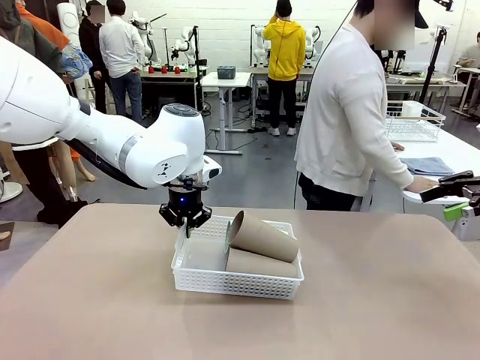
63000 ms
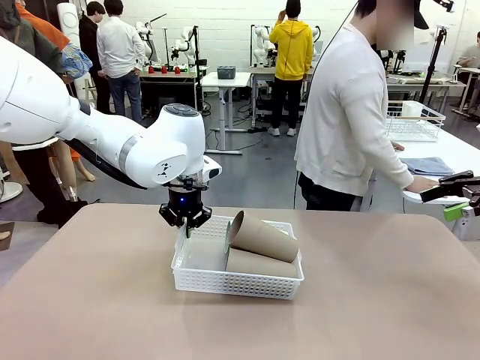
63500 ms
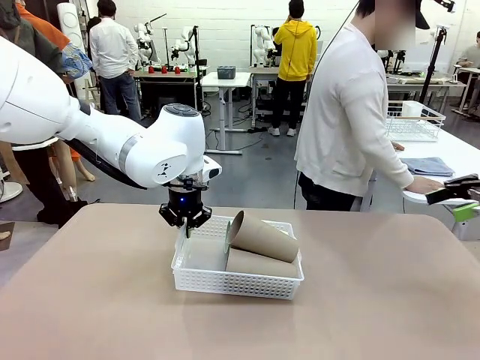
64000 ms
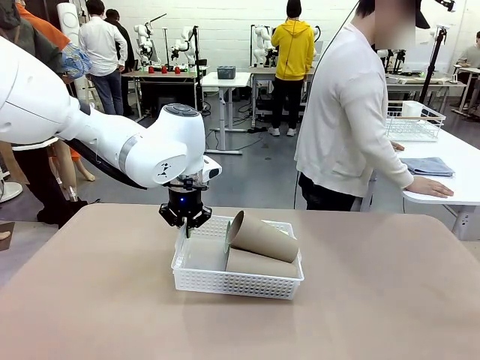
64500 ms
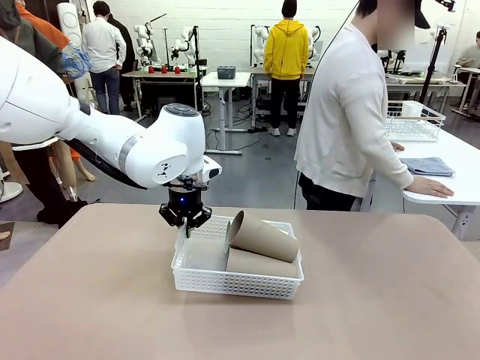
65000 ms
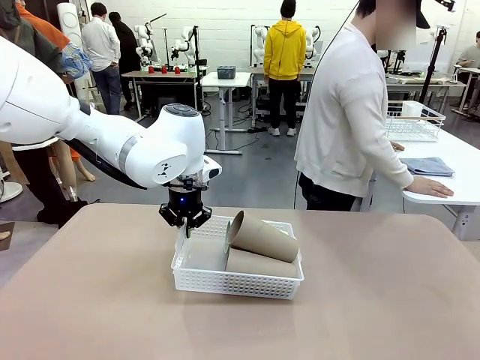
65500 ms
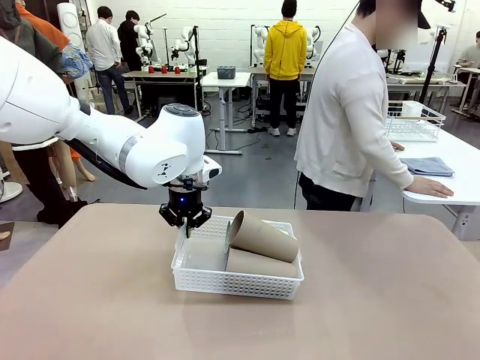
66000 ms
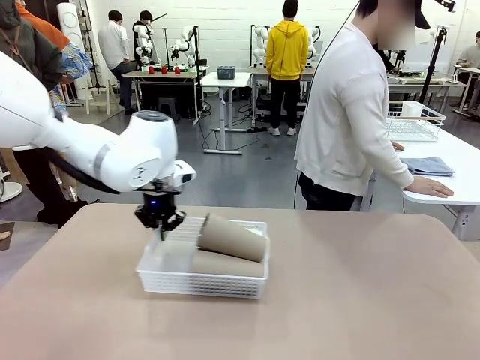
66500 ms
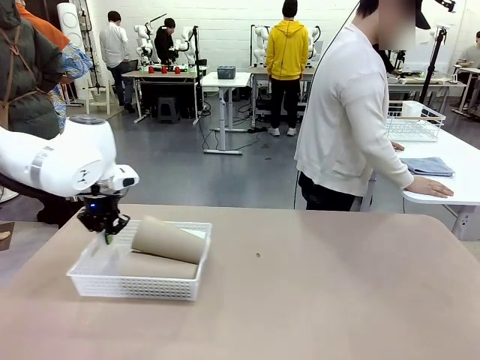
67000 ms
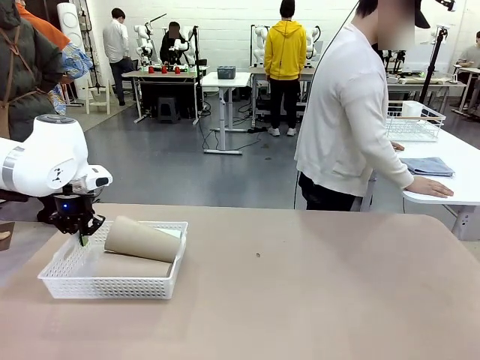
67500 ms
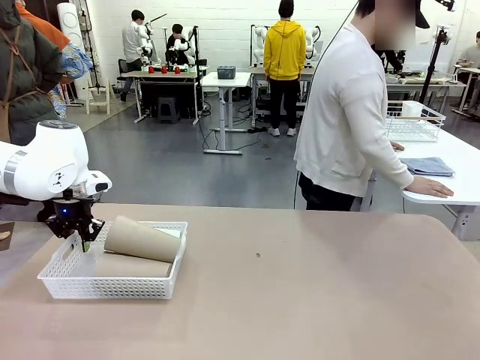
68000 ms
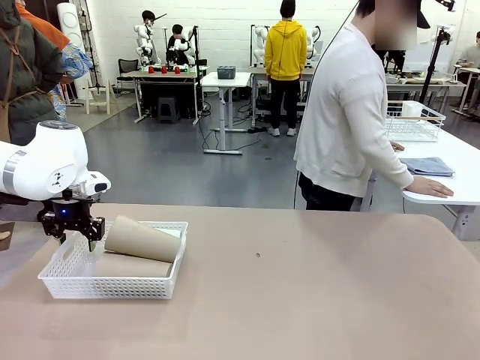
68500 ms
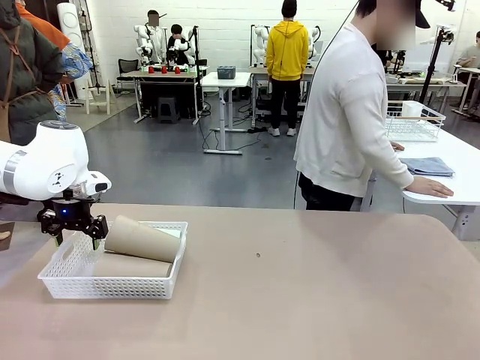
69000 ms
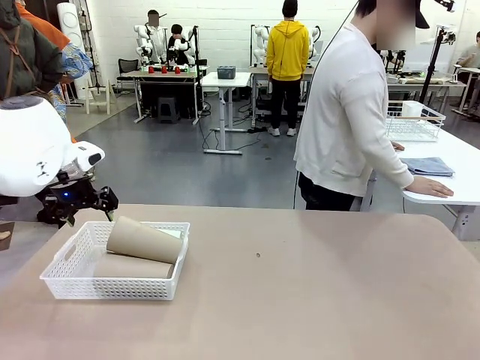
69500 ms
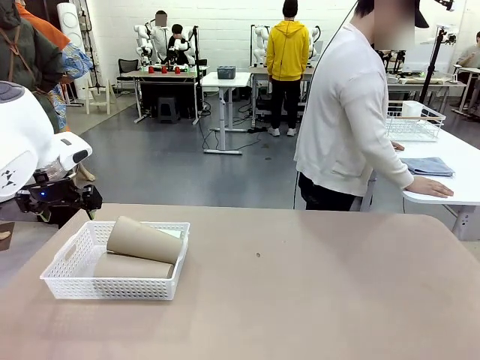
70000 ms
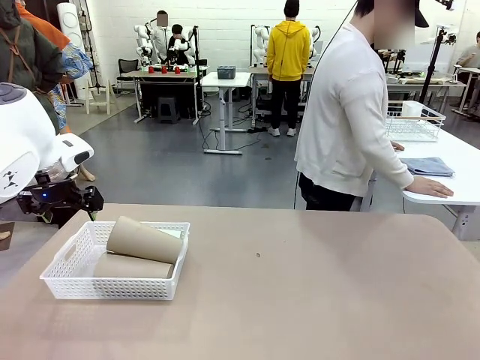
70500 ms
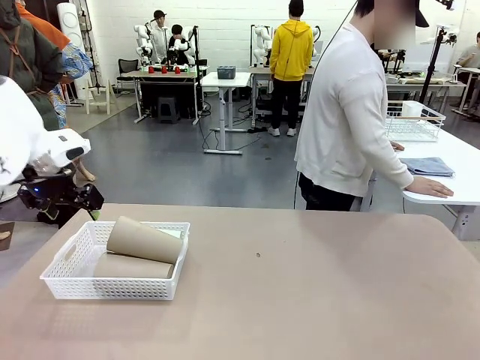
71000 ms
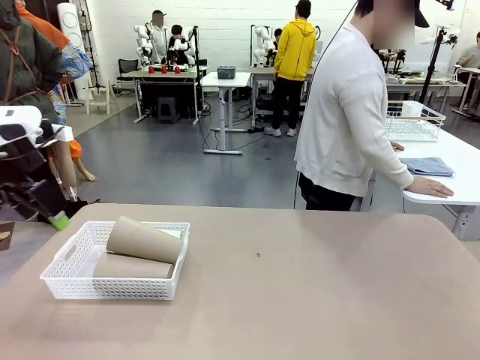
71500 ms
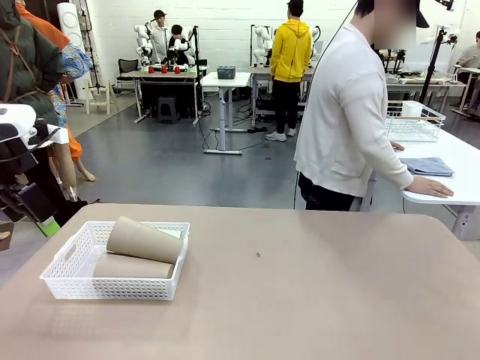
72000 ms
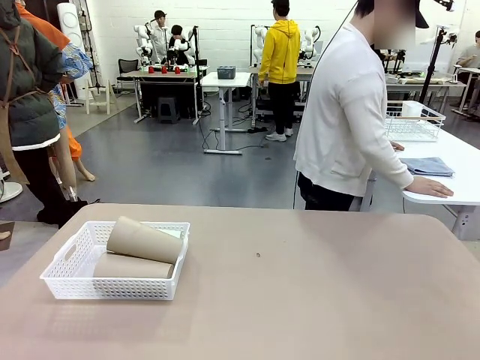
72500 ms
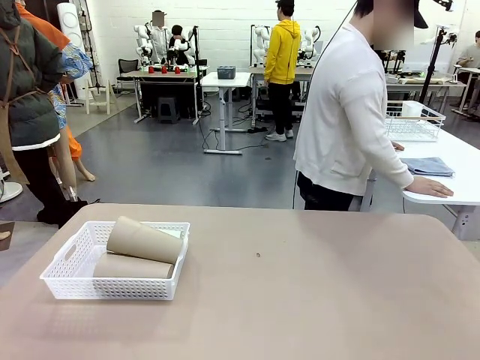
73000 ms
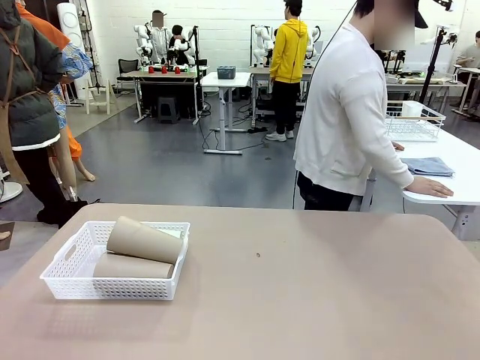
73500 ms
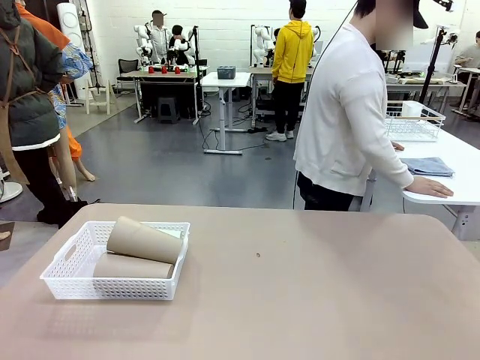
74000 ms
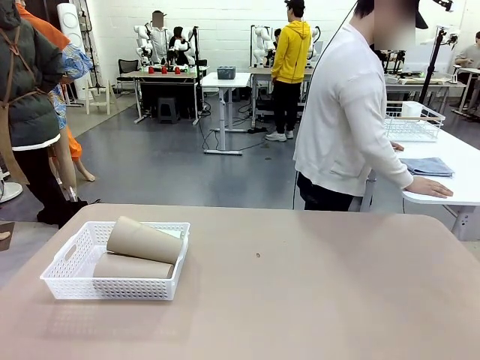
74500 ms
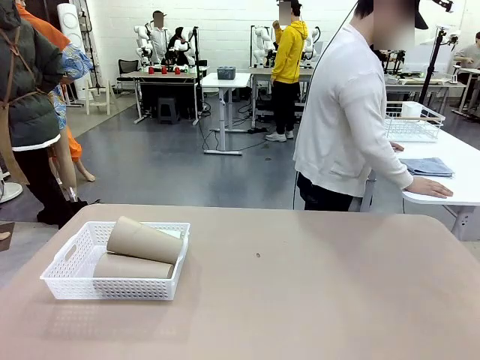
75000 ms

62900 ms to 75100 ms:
Task: Clean and organize the cups into the basket.
Robot: Move the Organizing basket back to the left side of the table.
Person: Folds the towel in half twice and places it in the right of the table.

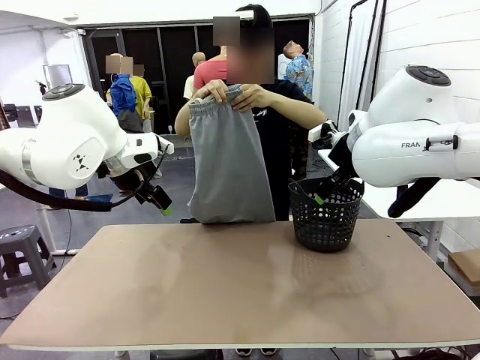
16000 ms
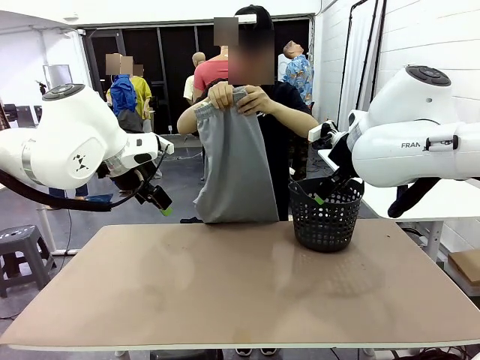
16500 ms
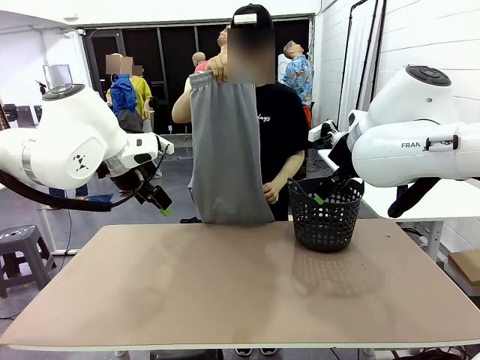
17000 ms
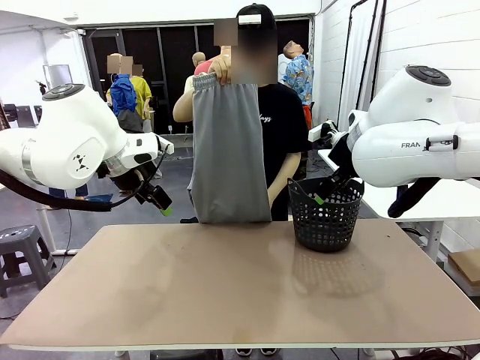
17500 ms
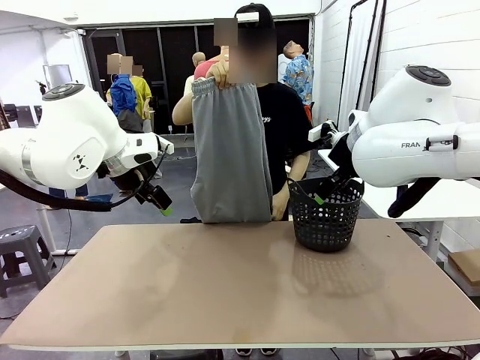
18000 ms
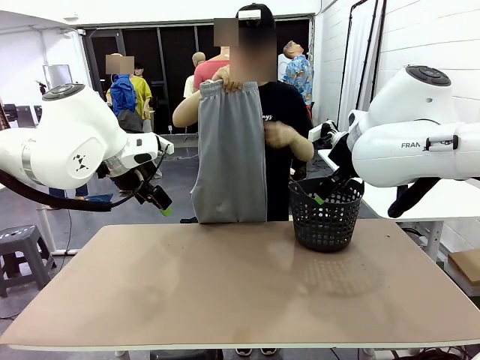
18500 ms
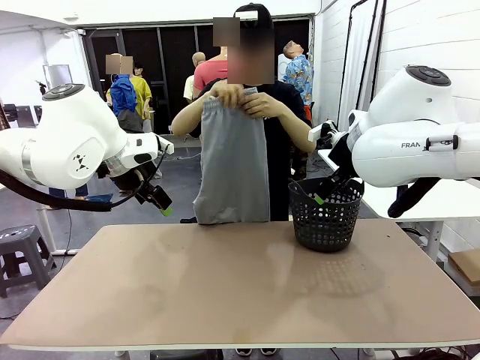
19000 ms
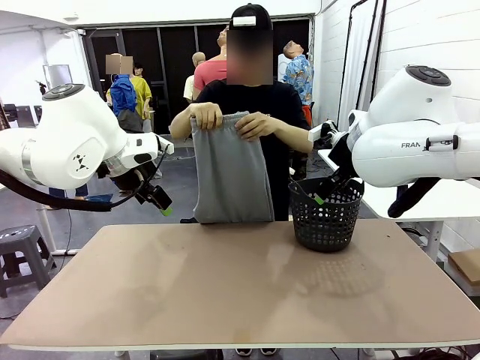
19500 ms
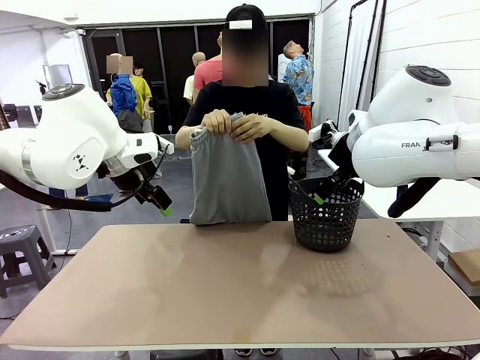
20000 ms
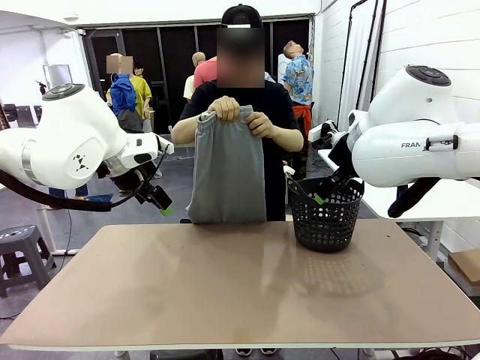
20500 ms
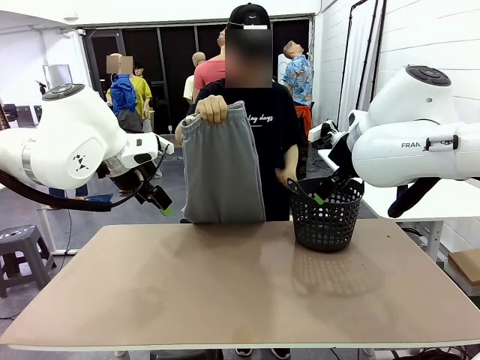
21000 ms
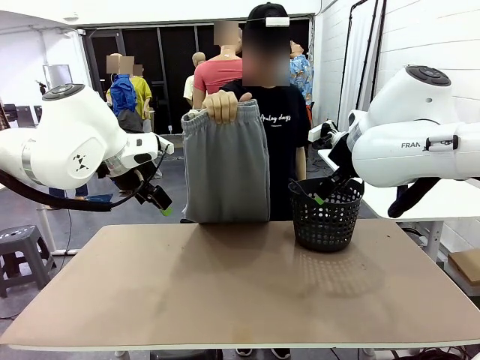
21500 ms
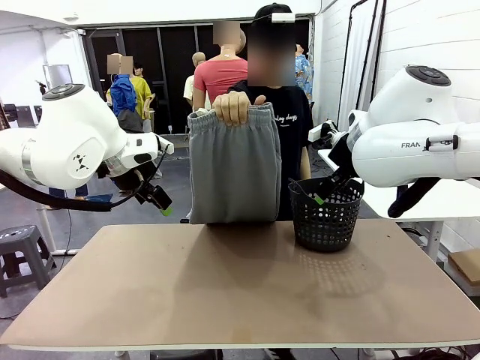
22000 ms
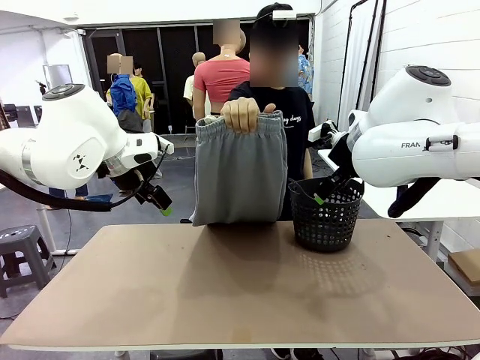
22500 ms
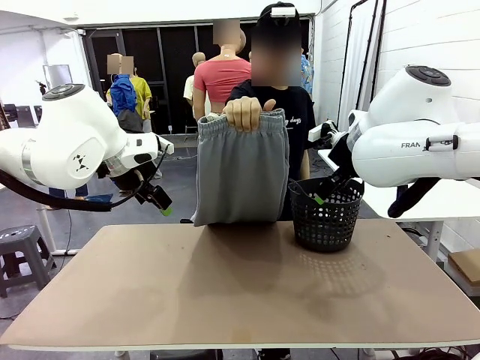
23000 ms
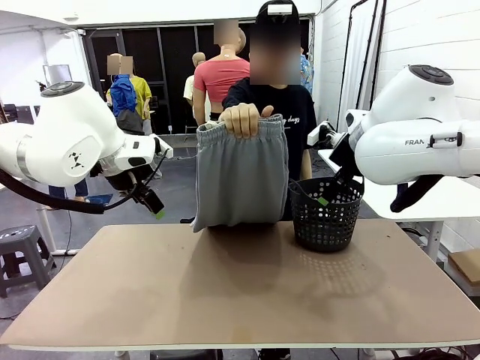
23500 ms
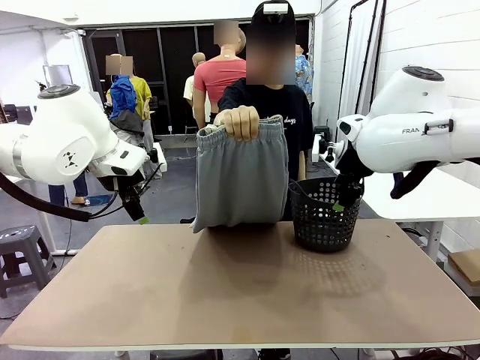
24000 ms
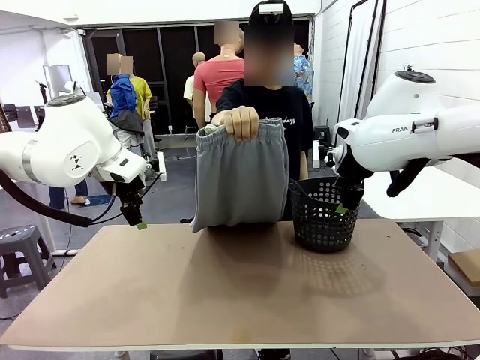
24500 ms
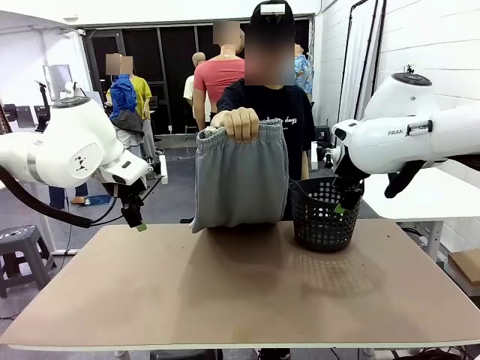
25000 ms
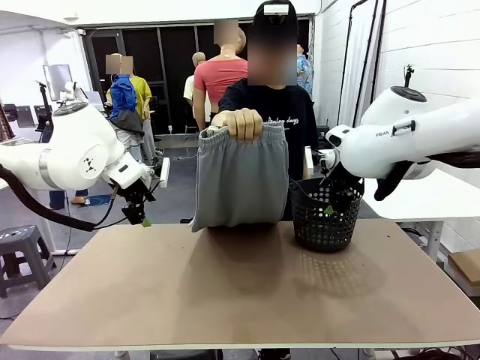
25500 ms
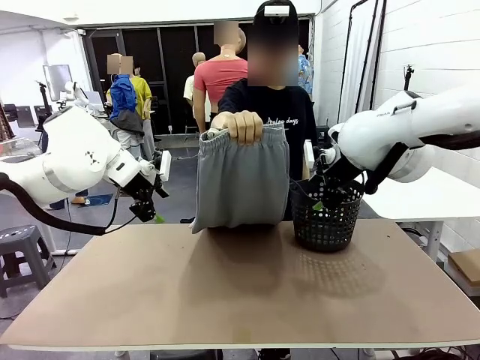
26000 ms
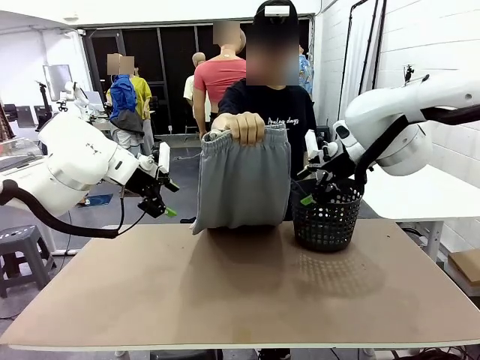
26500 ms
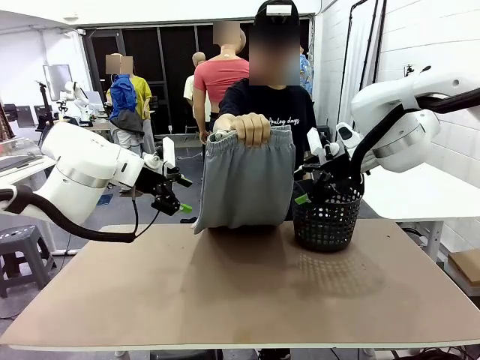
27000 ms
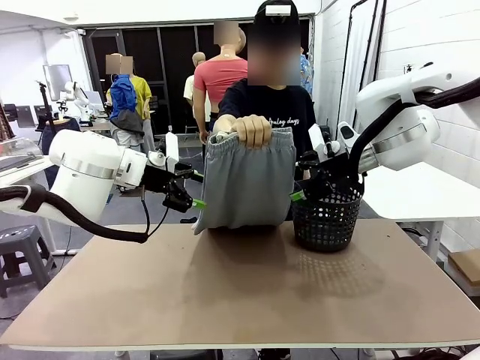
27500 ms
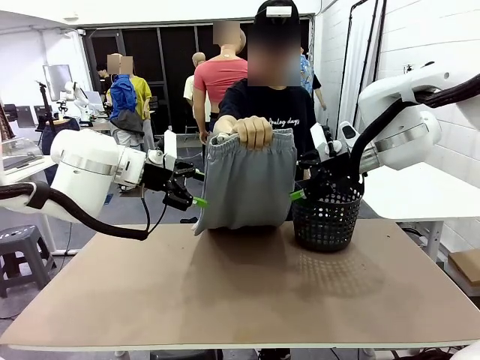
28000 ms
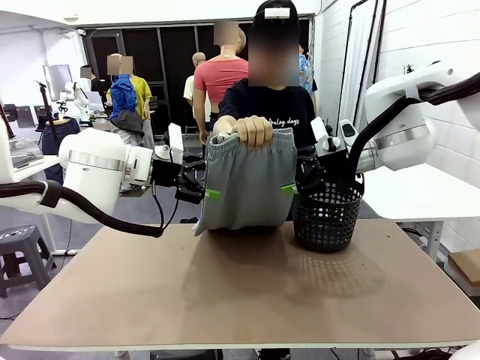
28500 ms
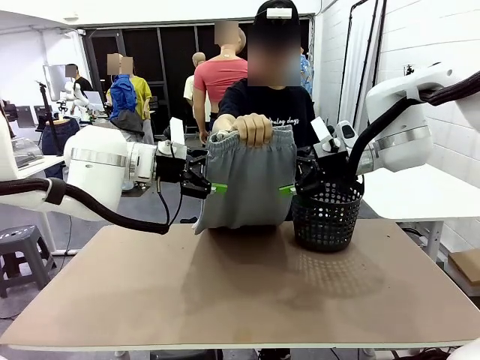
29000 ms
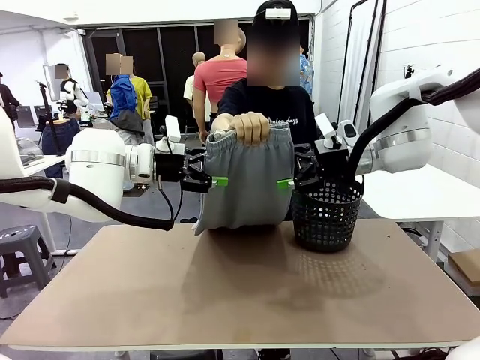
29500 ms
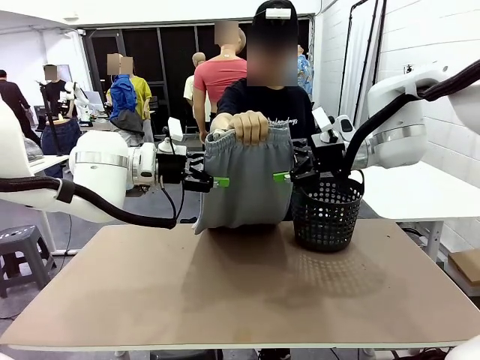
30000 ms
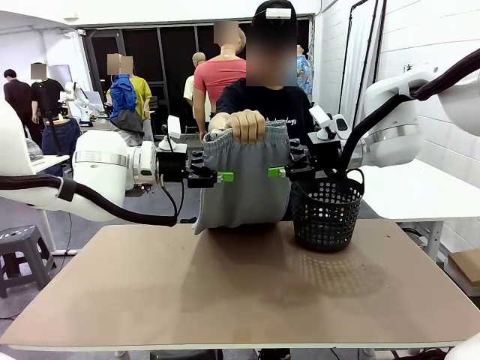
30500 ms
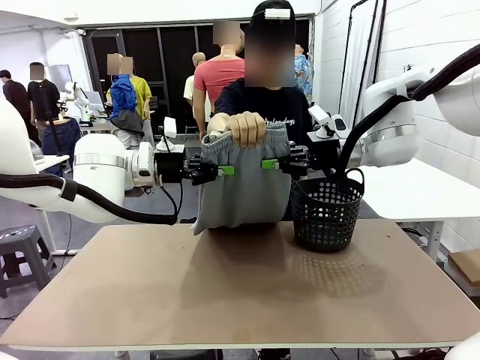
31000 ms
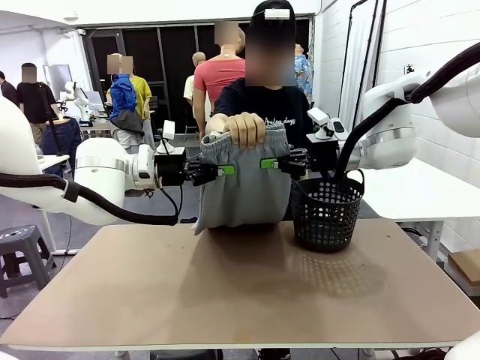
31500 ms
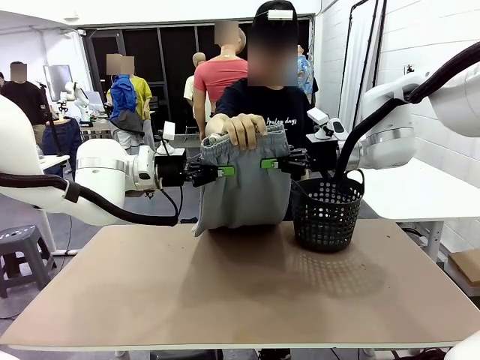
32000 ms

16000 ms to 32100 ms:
Task: Fold the training pants.
Robot: Grab both ends of the Training pants handed by a person.
